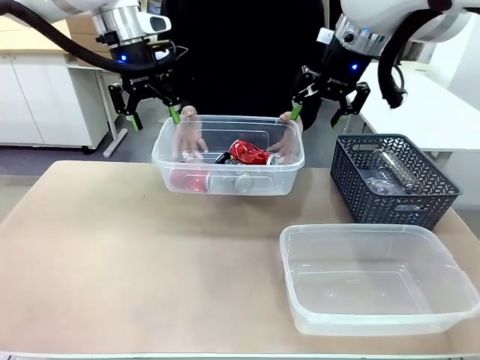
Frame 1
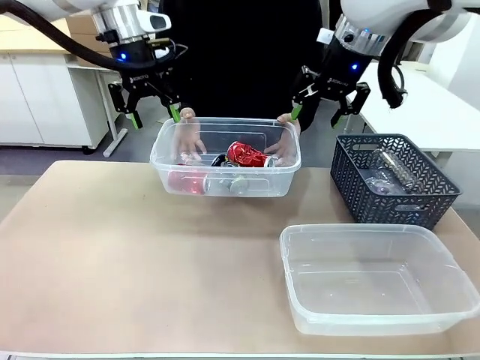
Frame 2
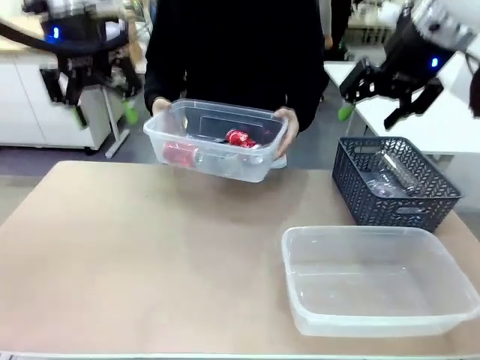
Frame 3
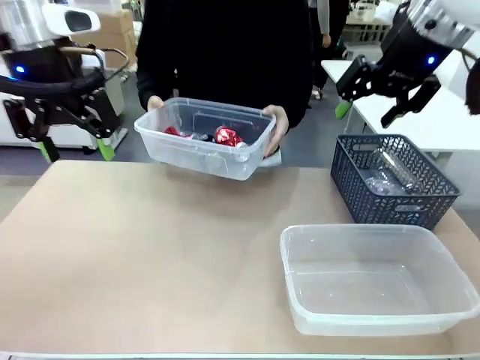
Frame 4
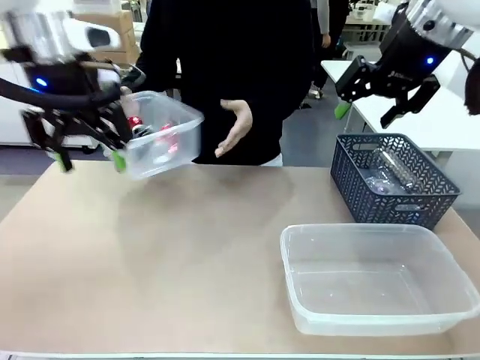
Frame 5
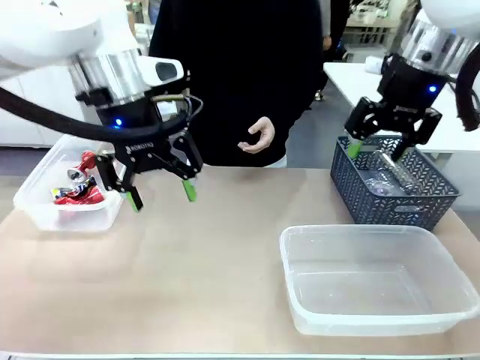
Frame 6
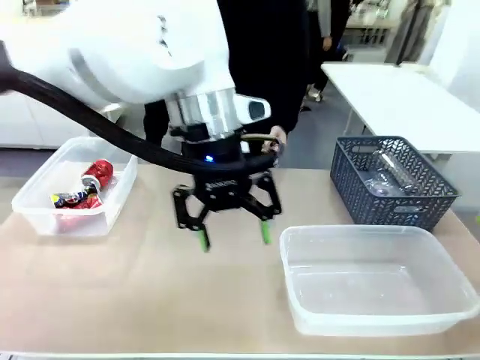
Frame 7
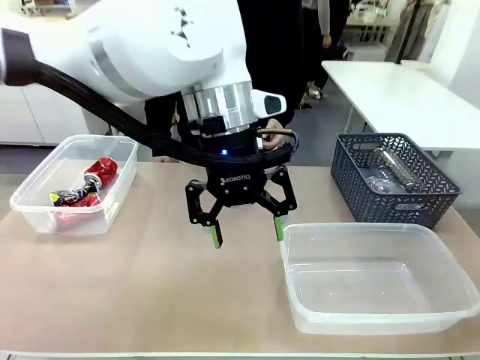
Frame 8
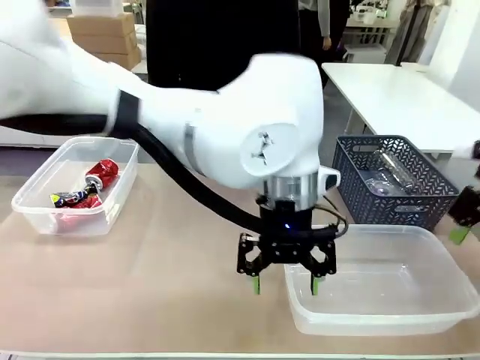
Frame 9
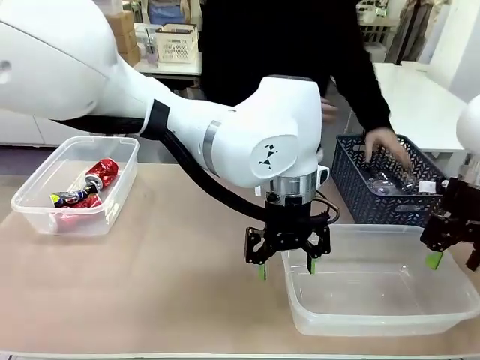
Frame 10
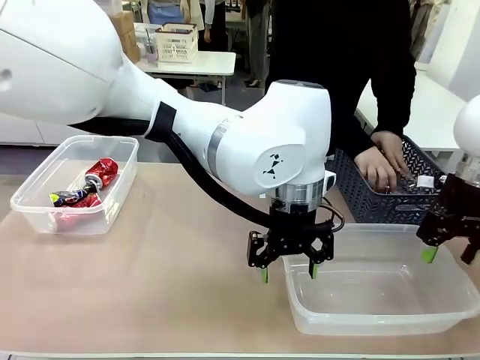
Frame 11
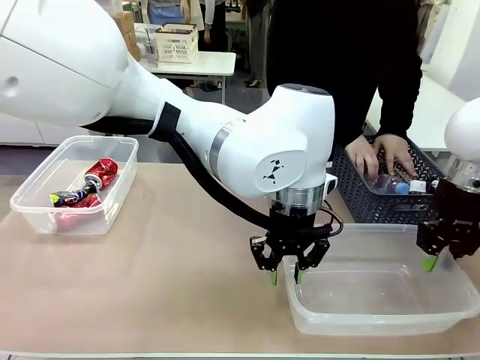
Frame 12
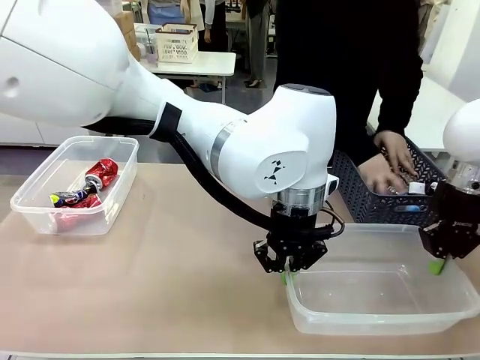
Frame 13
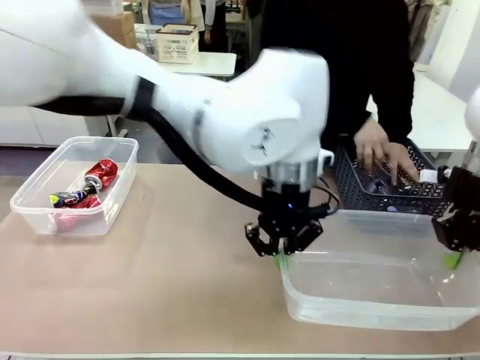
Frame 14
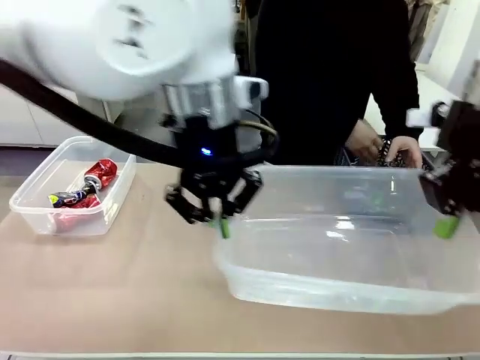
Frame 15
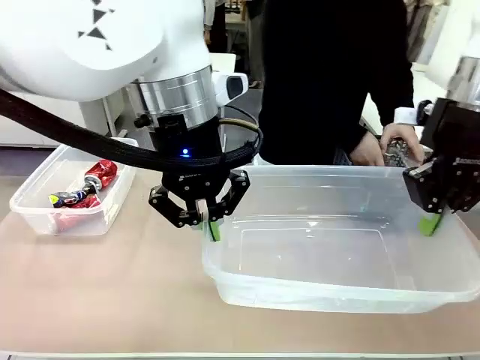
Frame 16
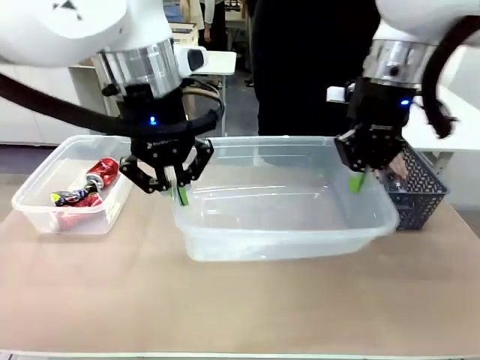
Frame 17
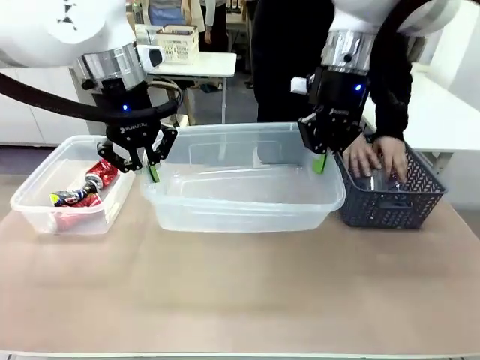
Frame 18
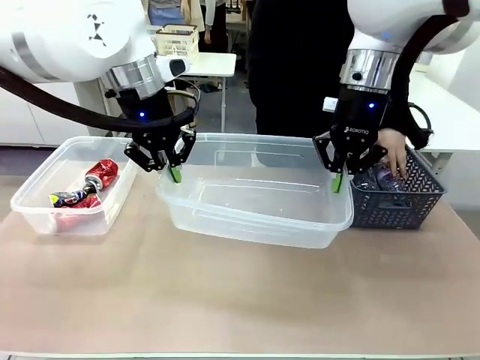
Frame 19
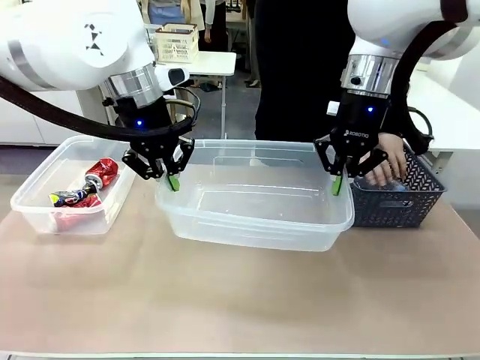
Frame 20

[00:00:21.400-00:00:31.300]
Robot: Pick up the Organizing box on the right side of the table and lift it.
Person: Place it at the edge of the bottom right area of the robot table. Pick up plastic waste one by one and place it into the organizing box lifted by the robot.

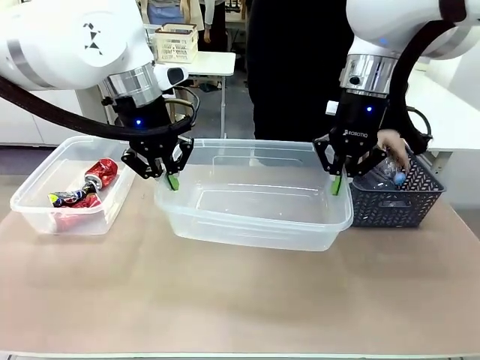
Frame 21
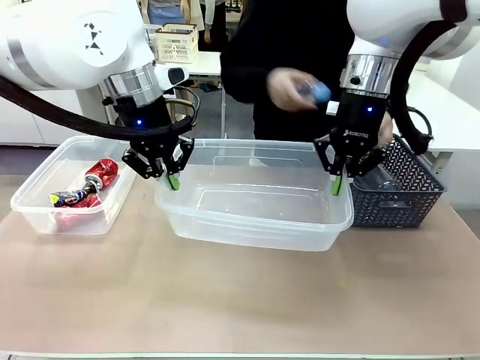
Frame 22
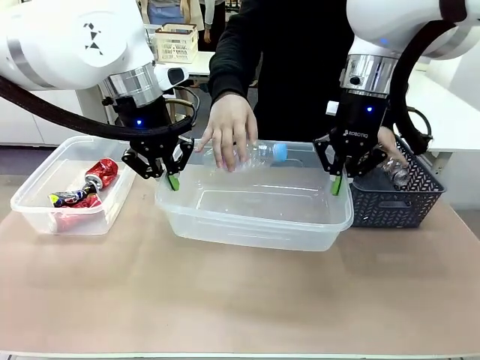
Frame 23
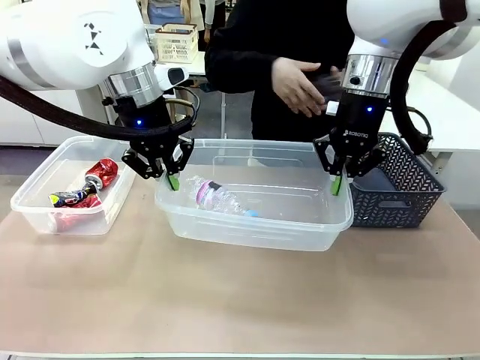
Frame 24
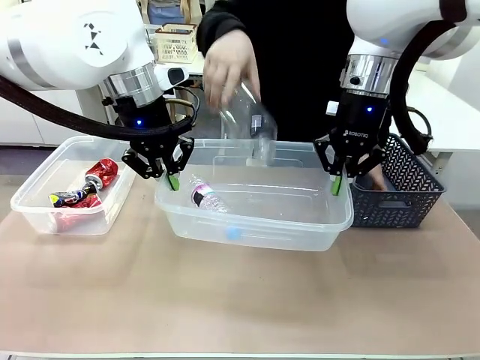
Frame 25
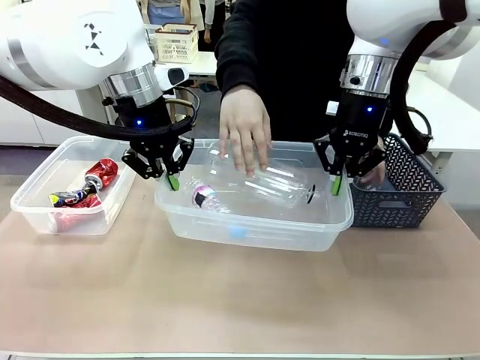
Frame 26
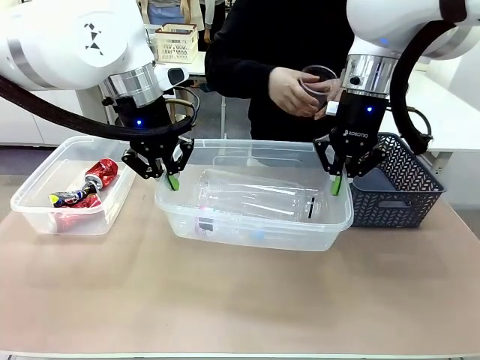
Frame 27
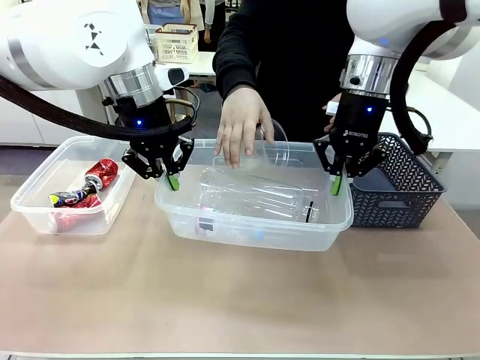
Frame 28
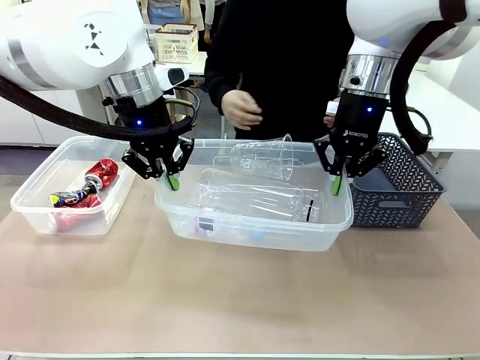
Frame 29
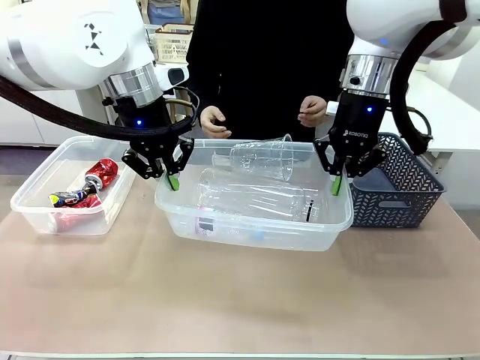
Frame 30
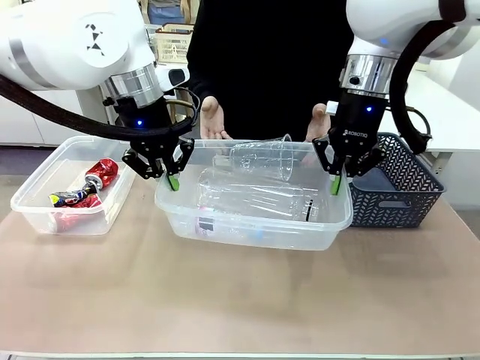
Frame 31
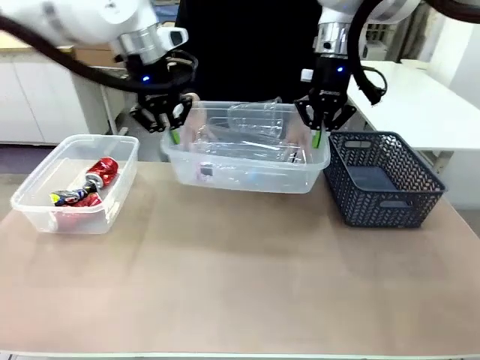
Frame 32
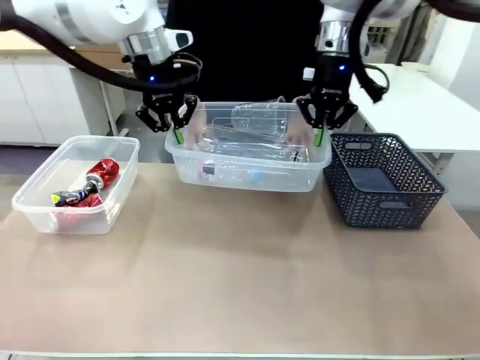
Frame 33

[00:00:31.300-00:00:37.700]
Robot: Offer the picked Organizing box to the human.

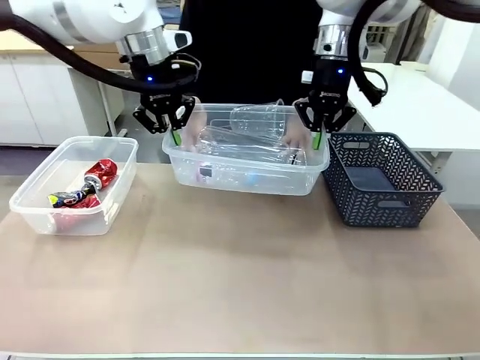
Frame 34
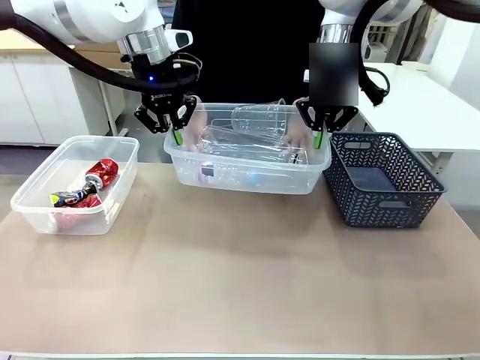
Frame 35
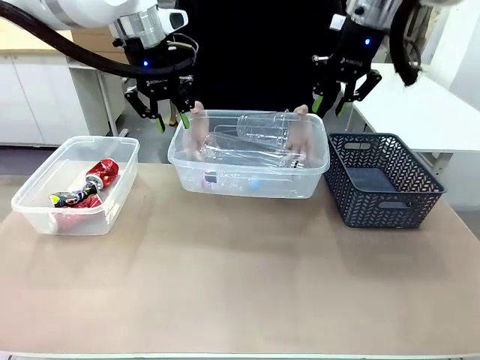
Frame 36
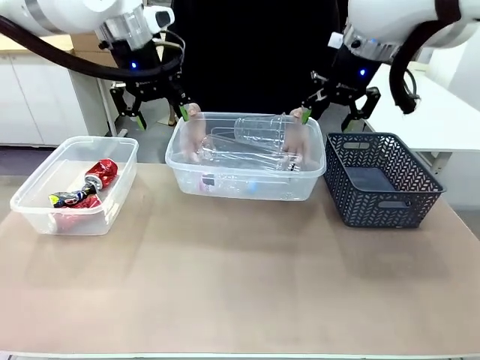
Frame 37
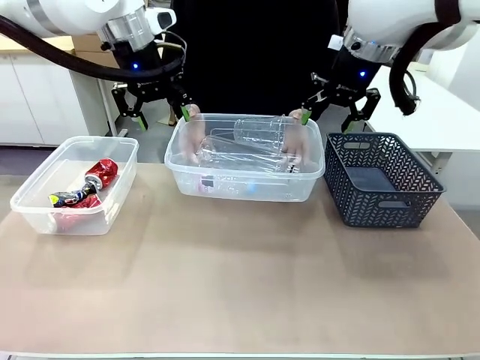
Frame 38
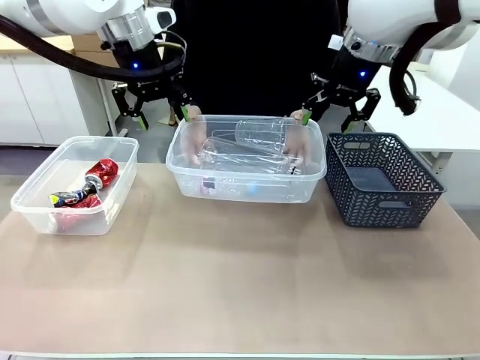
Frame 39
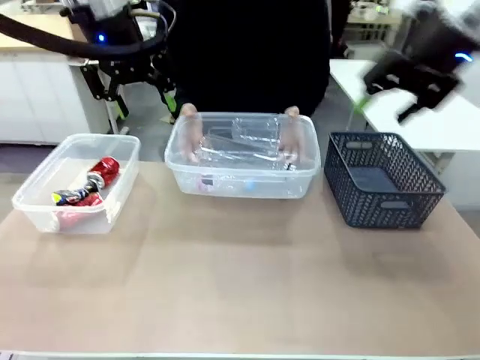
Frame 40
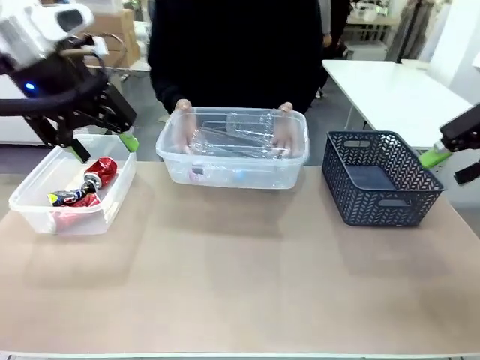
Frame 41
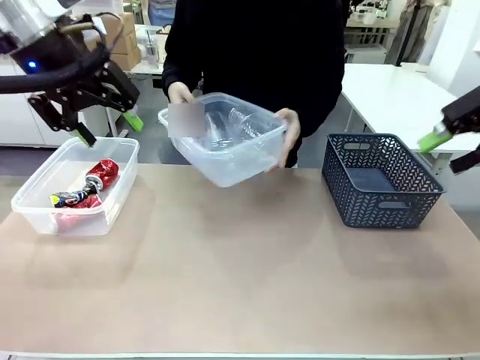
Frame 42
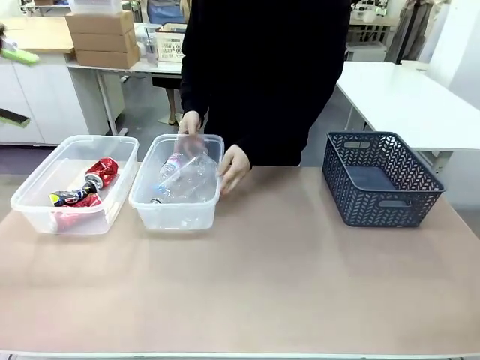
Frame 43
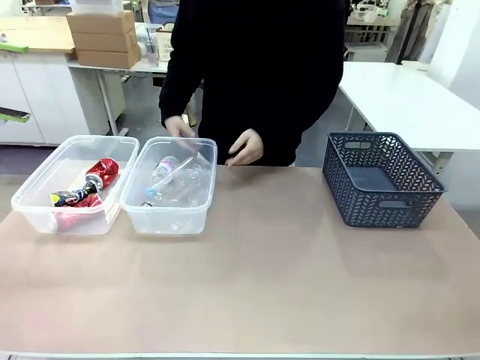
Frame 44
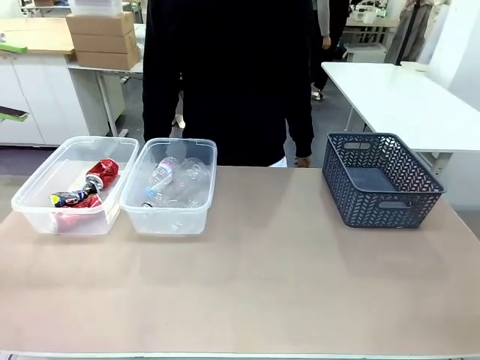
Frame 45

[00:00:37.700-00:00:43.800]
Robot: Release the Organizing box you were holding.
Person: Pick up the organizing box extended by the robot. Place the organizing box to the left of the sorting box containing the can waste.
